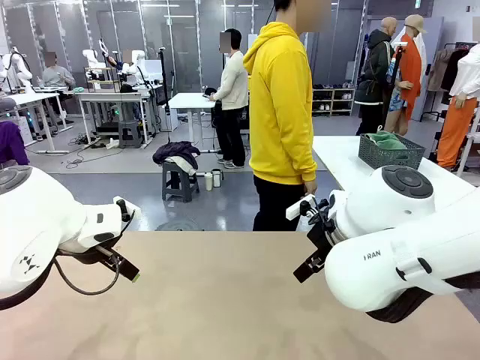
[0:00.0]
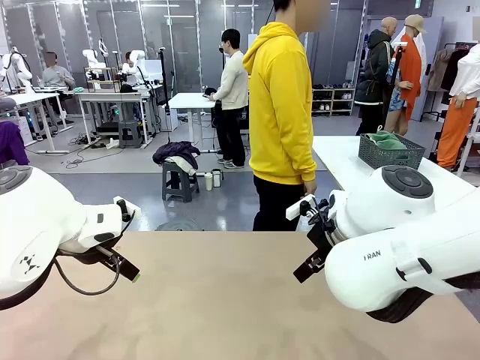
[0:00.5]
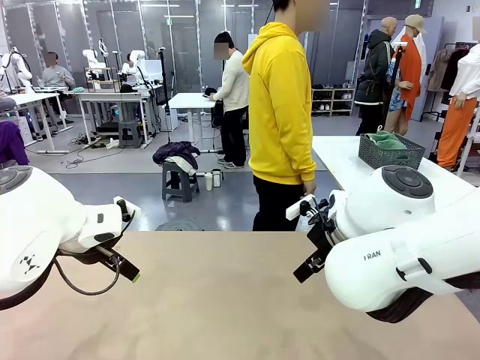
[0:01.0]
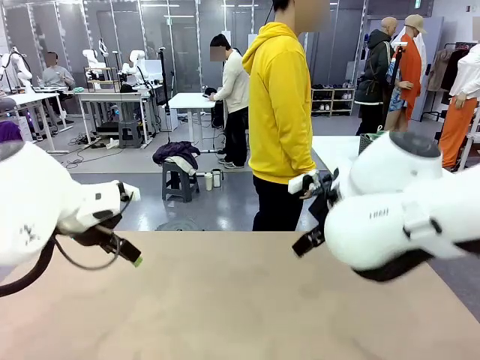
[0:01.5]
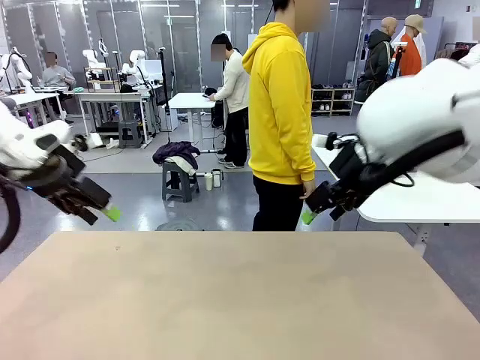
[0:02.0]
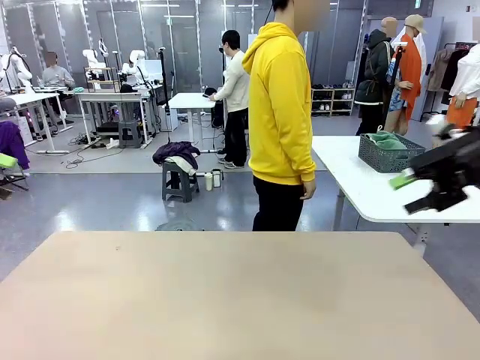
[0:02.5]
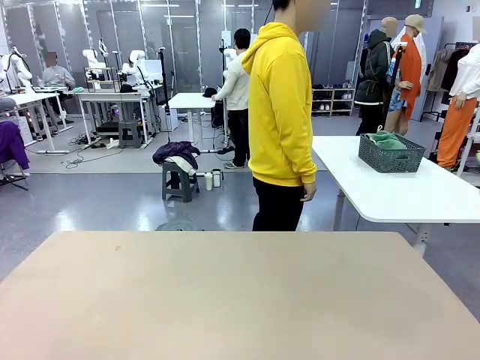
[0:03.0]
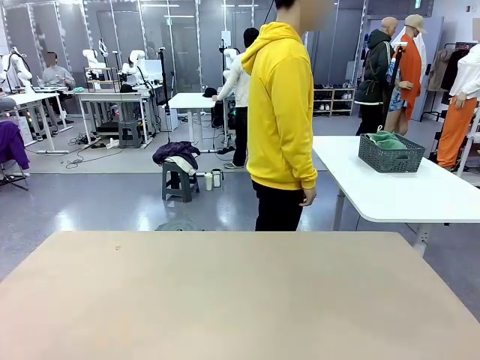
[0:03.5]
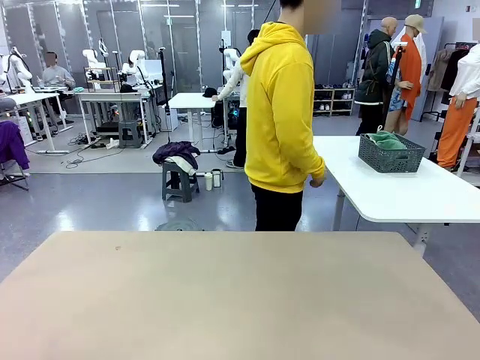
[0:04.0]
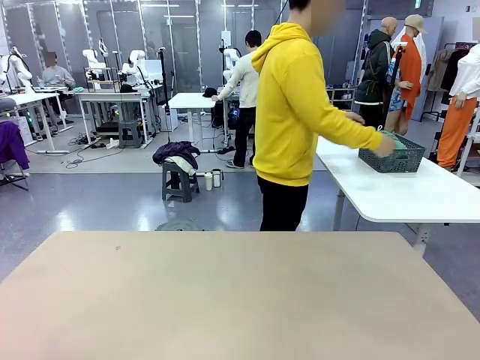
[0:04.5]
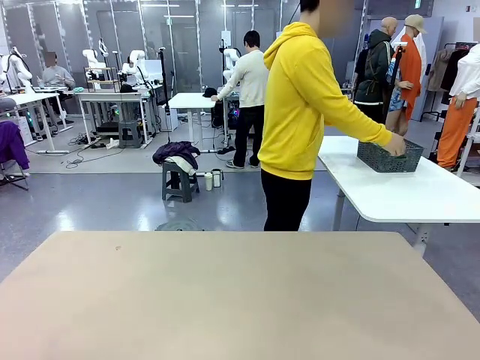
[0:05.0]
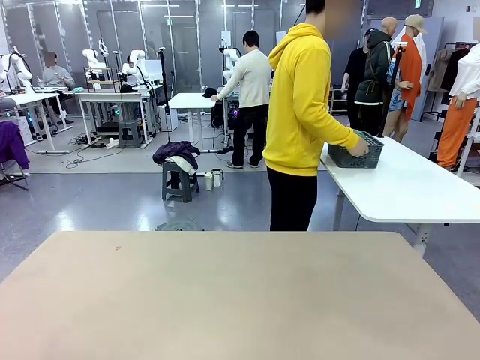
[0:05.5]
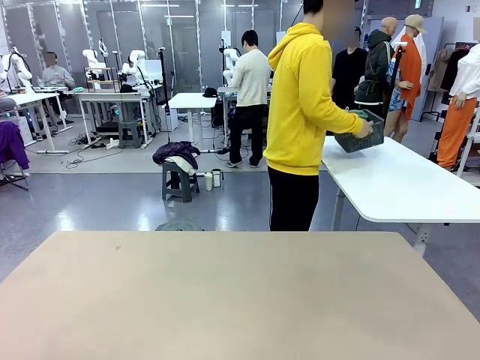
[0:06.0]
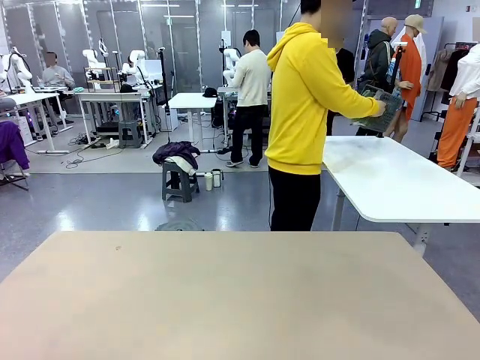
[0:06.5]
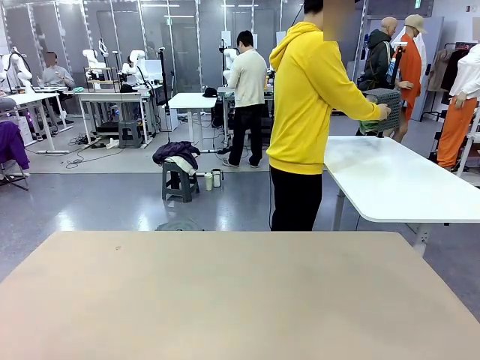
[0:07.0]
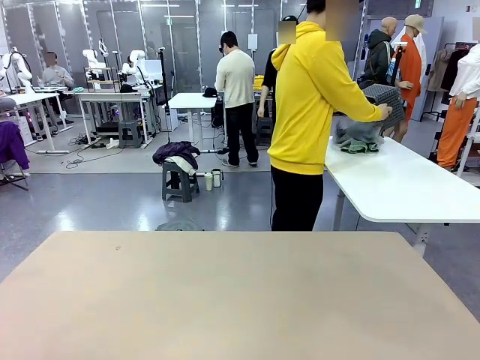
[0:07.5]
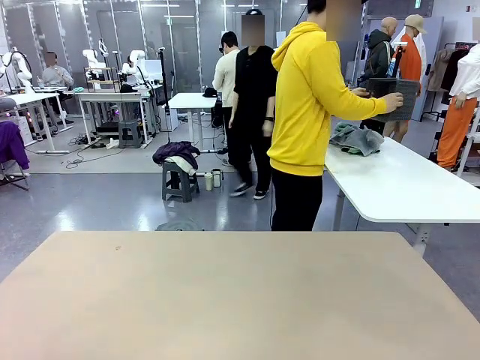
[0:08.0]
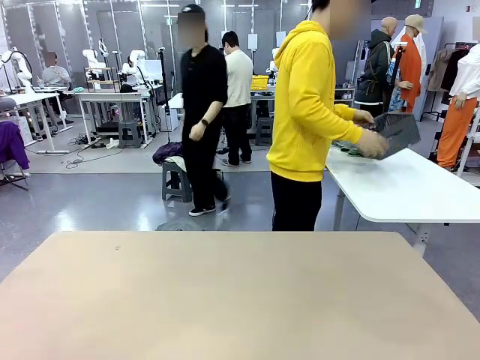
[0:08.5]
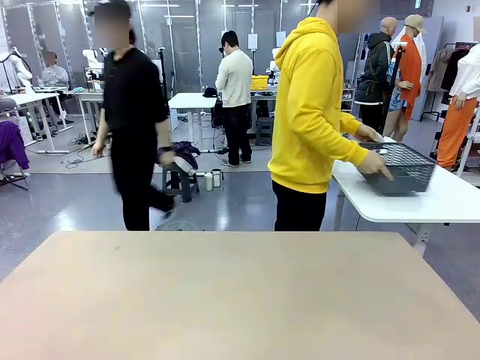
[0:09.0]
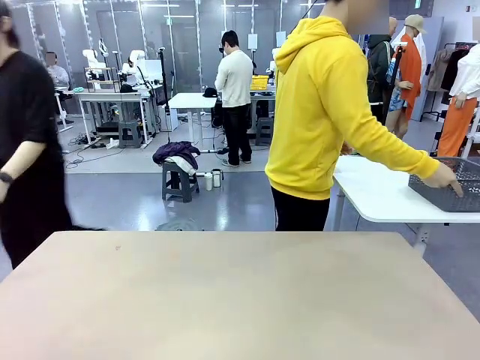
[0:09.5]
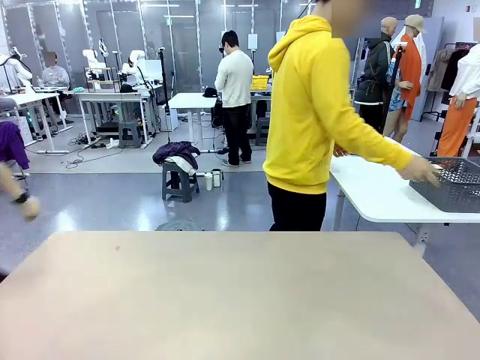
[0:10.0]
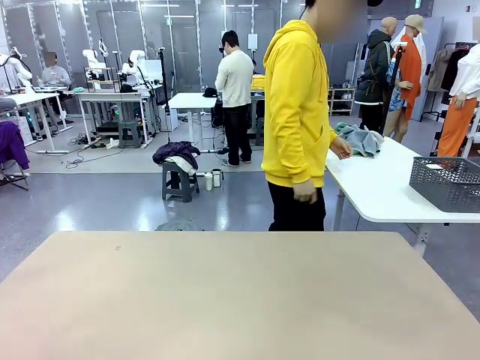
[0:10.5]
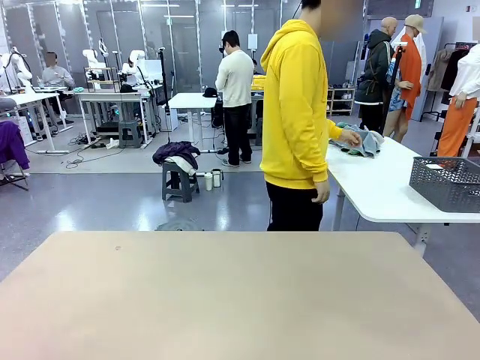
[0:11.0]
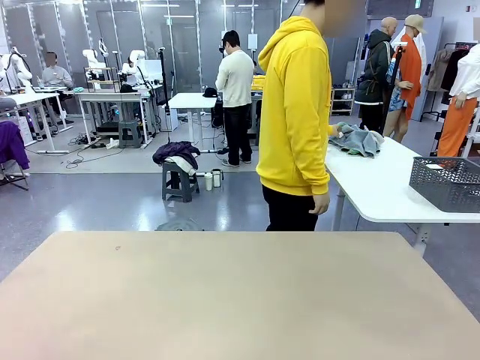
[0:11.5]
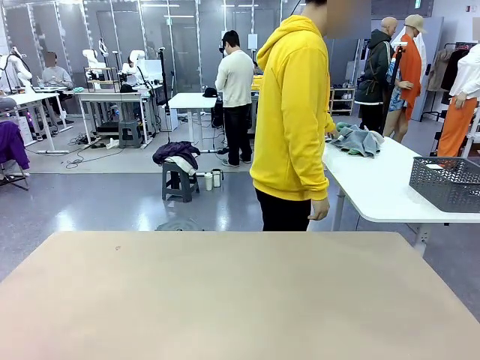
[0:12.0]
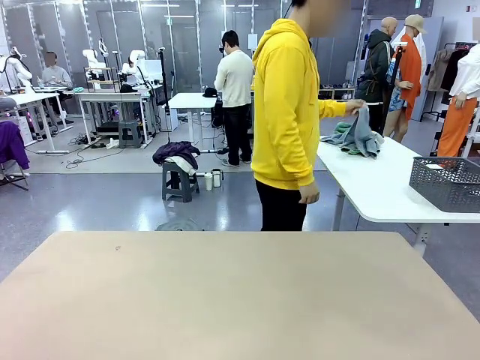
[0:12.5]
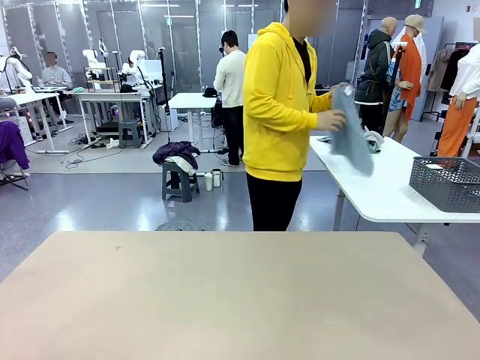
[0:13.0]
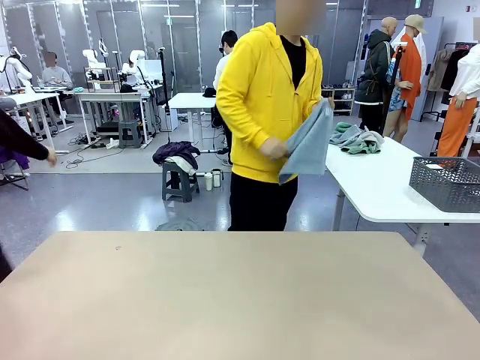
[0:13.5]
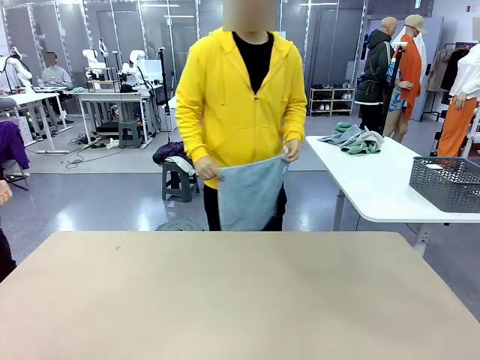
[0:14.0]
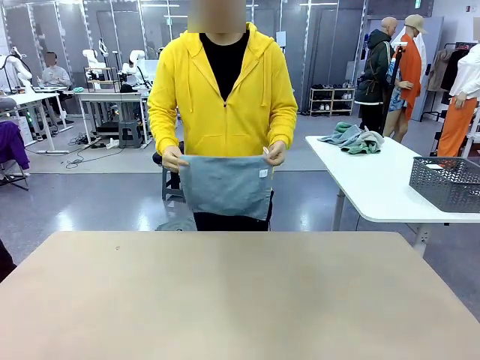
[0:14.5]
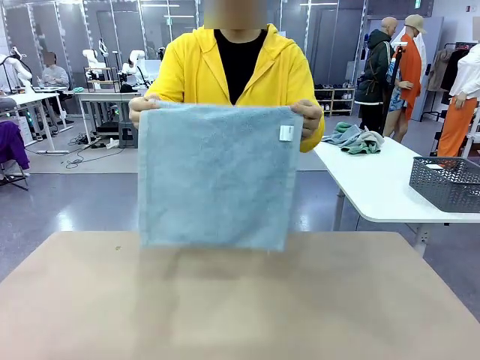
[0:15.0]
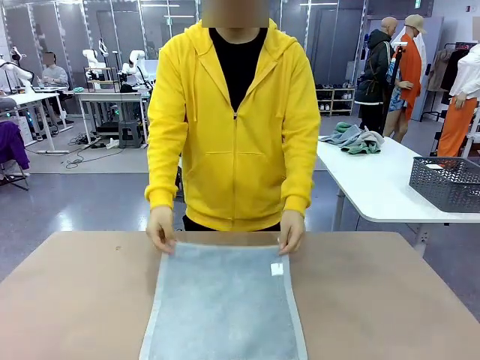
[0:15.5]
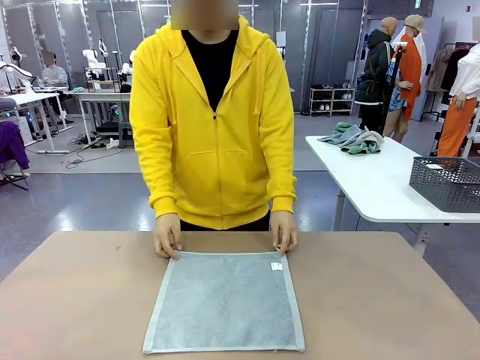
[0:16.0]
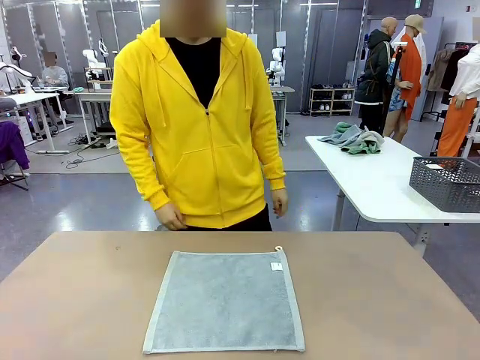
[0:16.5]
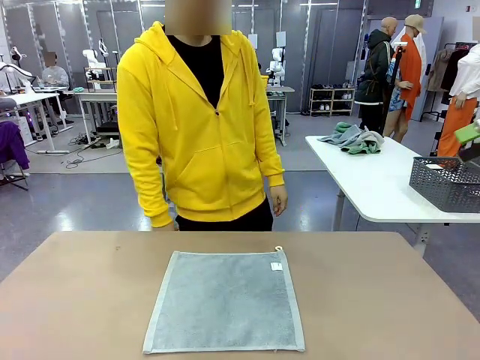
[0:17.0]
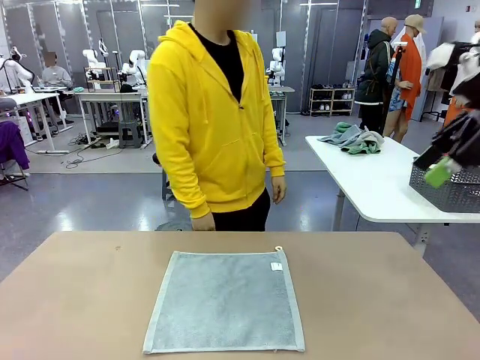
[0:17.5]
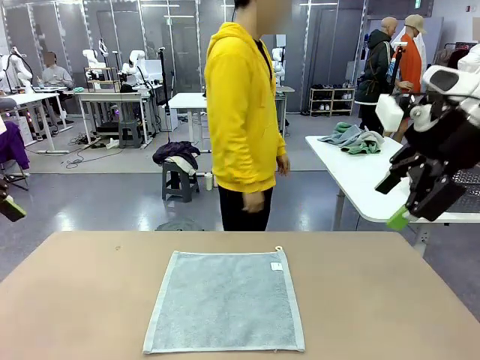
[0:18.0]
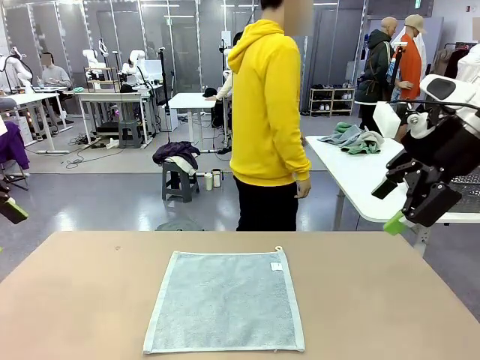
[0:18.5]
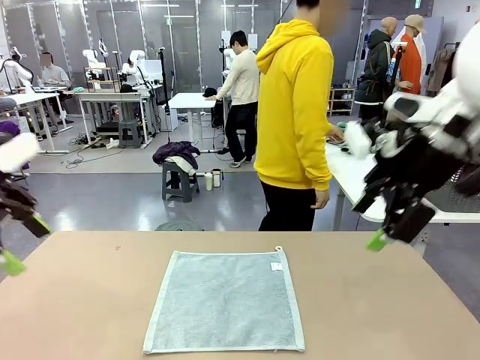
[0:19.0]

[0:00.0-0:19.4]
Task: Fold the towels and place them in the basket.
Robot: When a person lays out a Towel with hook on the table, fold it in half twice.
Person: Pick up the basket, pour the towels onto the left side of the human table, and place the basket on the right side. Pick up one towel and spread it out at the center of the robot table.
